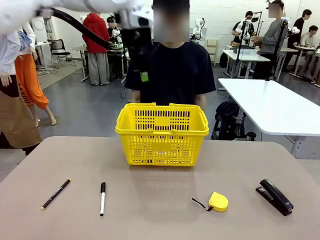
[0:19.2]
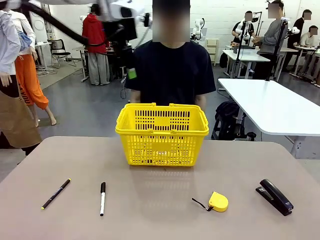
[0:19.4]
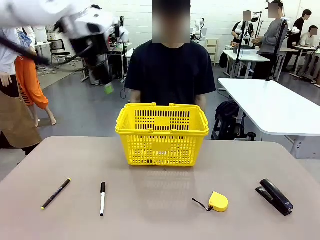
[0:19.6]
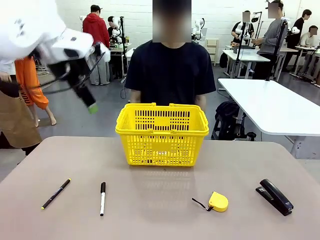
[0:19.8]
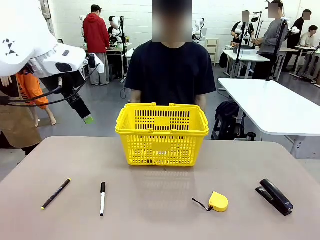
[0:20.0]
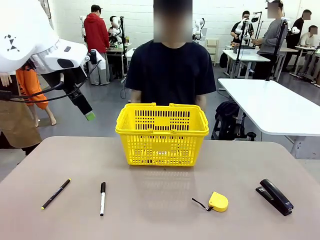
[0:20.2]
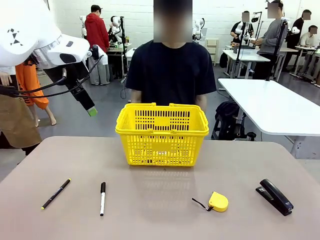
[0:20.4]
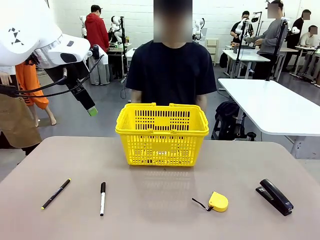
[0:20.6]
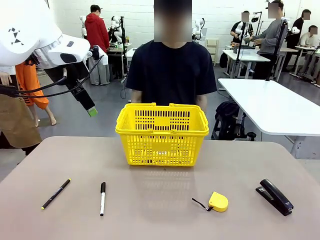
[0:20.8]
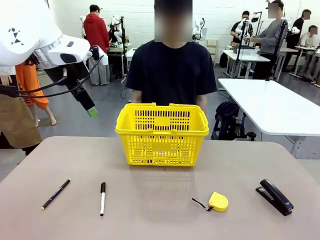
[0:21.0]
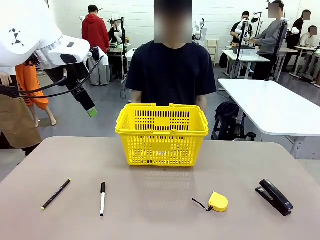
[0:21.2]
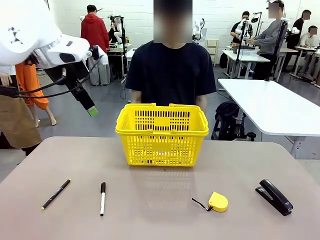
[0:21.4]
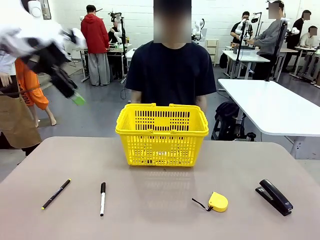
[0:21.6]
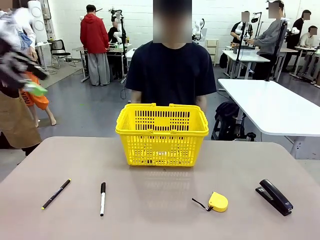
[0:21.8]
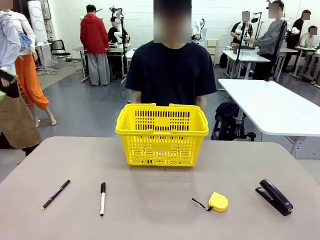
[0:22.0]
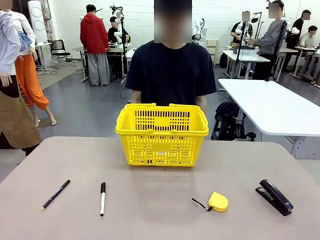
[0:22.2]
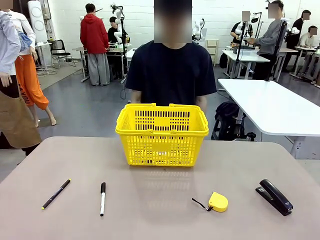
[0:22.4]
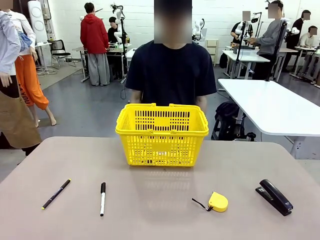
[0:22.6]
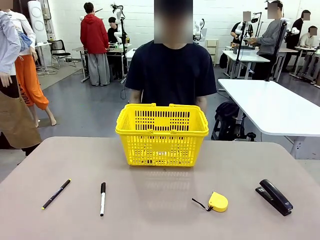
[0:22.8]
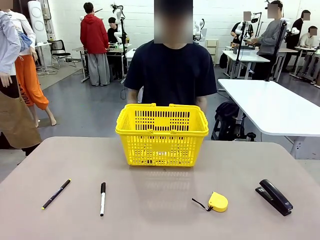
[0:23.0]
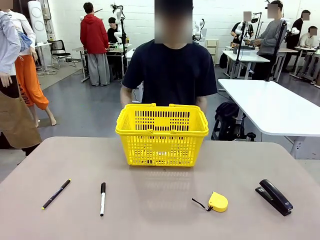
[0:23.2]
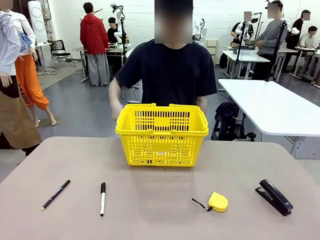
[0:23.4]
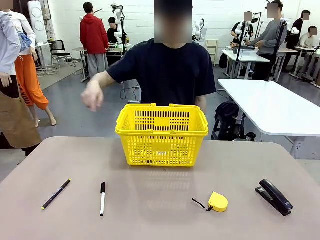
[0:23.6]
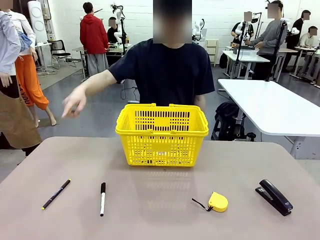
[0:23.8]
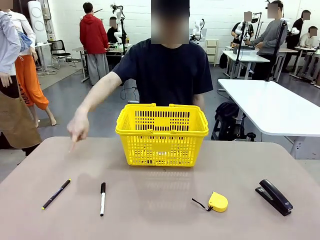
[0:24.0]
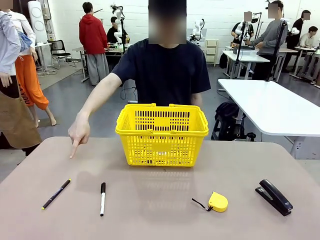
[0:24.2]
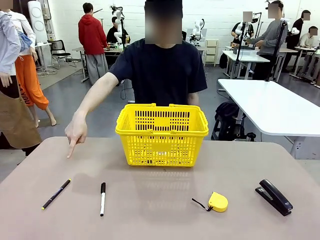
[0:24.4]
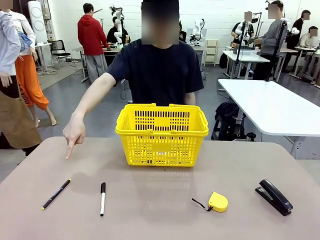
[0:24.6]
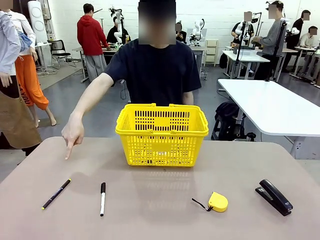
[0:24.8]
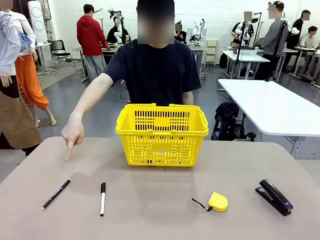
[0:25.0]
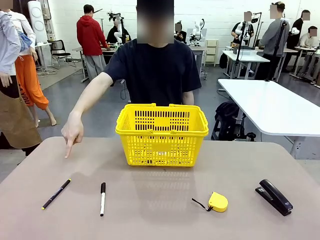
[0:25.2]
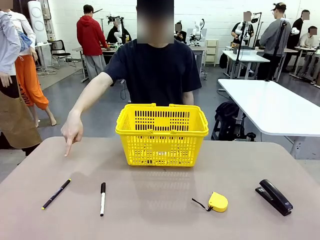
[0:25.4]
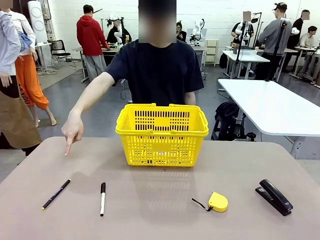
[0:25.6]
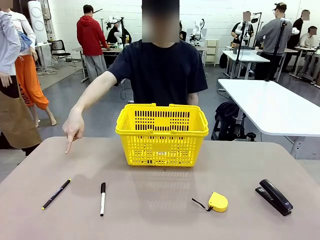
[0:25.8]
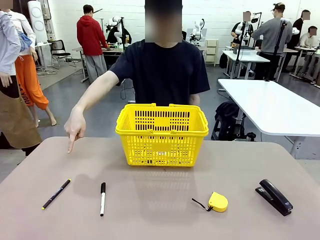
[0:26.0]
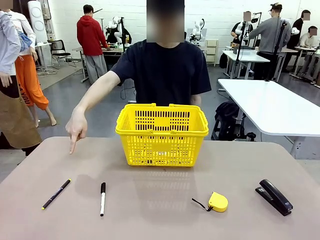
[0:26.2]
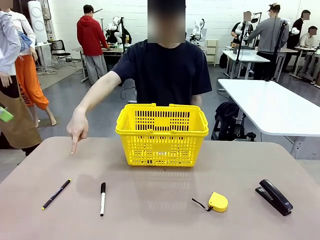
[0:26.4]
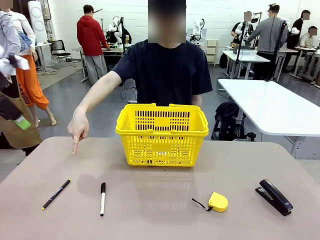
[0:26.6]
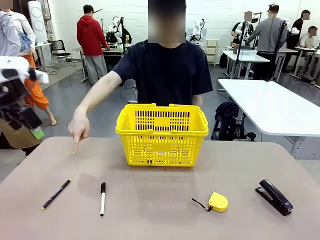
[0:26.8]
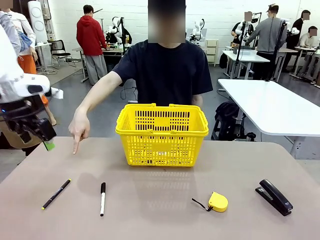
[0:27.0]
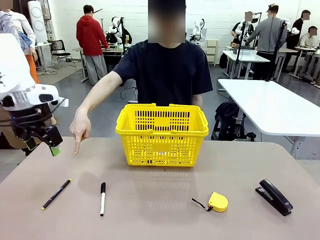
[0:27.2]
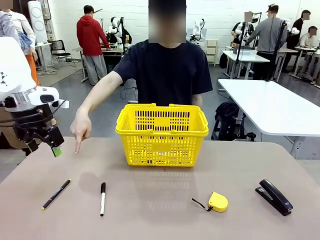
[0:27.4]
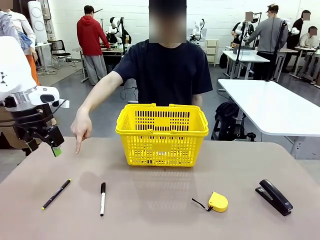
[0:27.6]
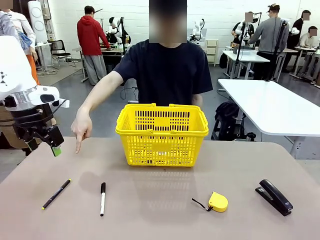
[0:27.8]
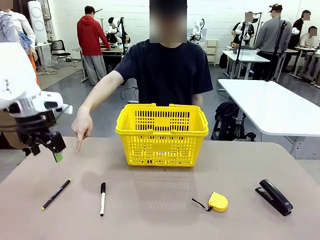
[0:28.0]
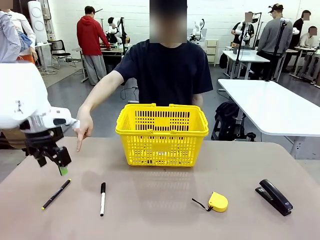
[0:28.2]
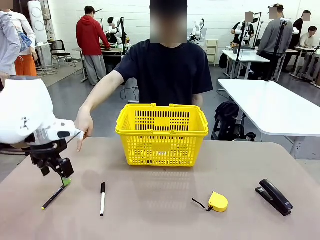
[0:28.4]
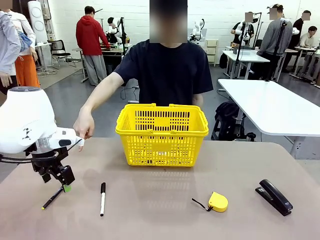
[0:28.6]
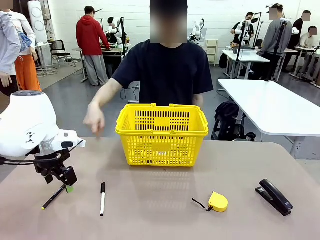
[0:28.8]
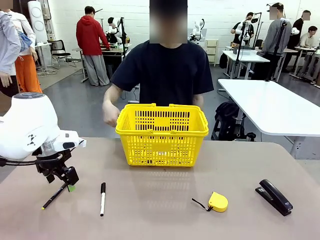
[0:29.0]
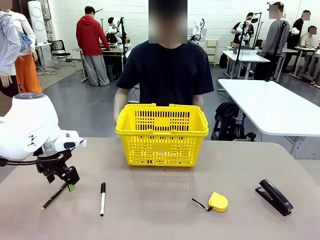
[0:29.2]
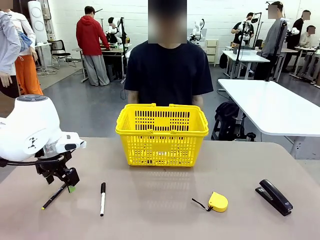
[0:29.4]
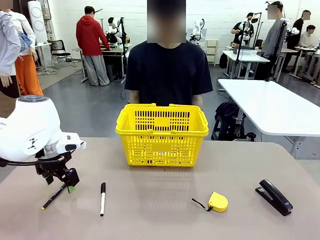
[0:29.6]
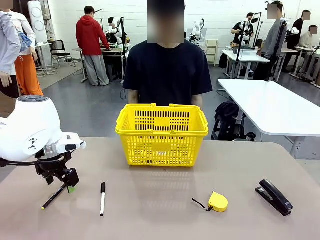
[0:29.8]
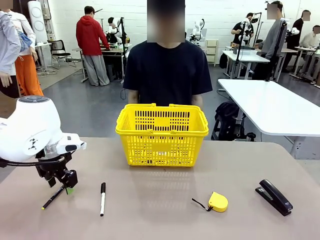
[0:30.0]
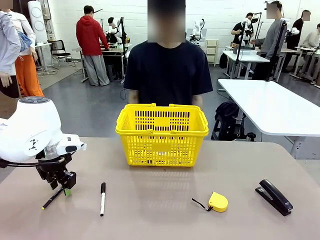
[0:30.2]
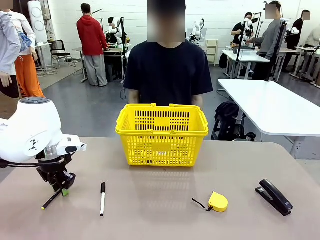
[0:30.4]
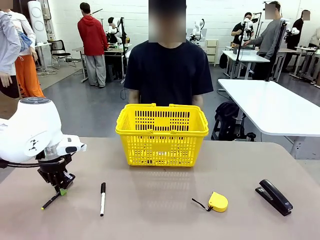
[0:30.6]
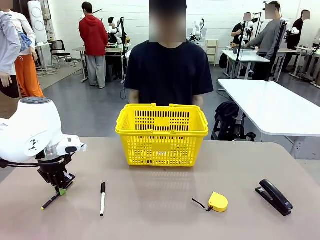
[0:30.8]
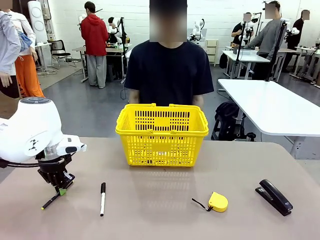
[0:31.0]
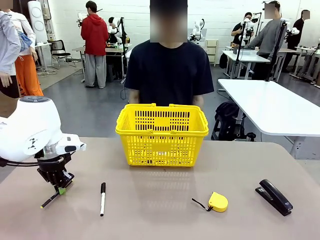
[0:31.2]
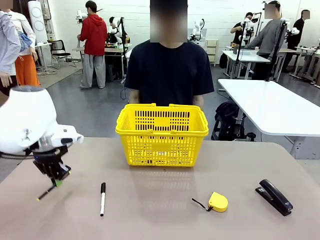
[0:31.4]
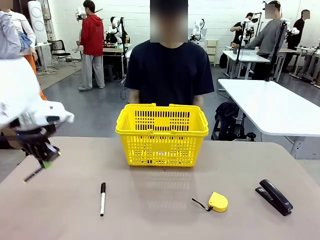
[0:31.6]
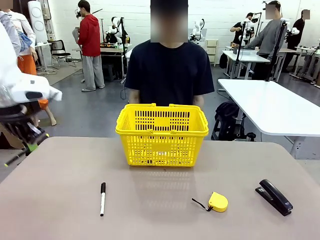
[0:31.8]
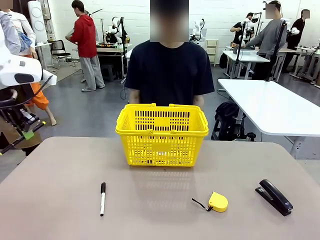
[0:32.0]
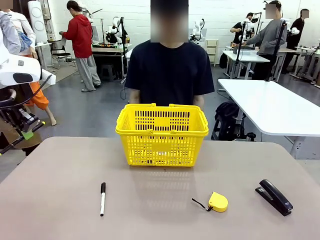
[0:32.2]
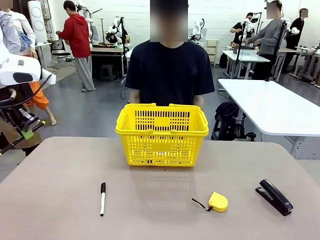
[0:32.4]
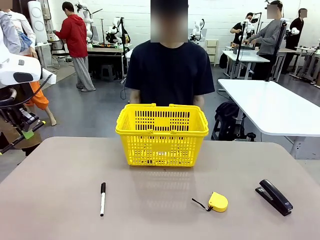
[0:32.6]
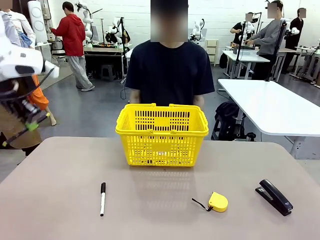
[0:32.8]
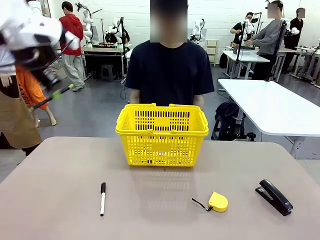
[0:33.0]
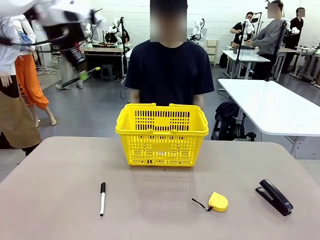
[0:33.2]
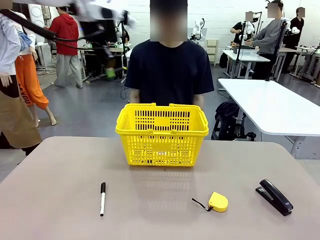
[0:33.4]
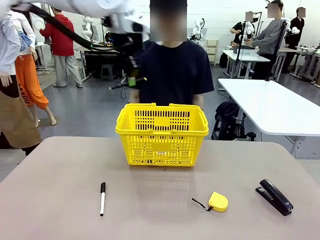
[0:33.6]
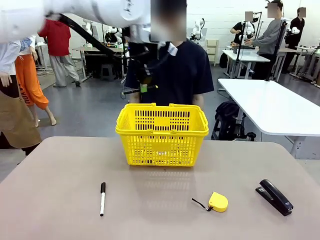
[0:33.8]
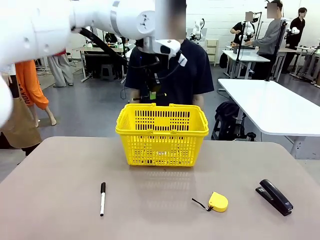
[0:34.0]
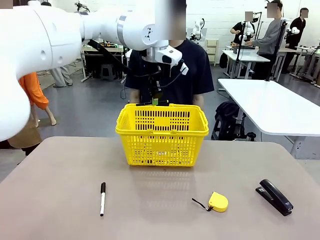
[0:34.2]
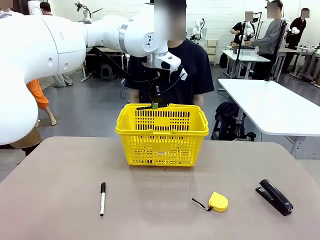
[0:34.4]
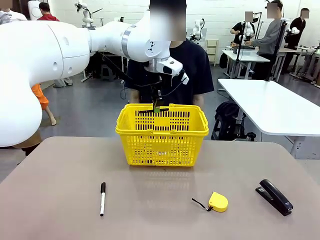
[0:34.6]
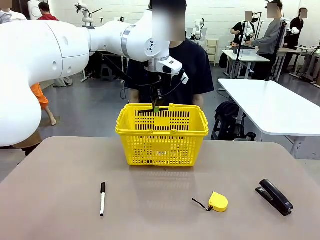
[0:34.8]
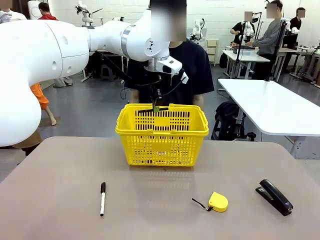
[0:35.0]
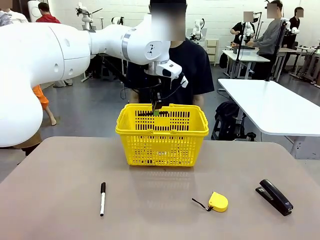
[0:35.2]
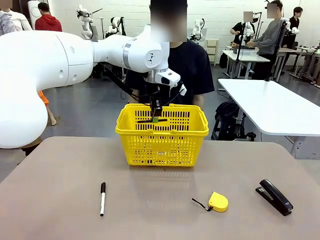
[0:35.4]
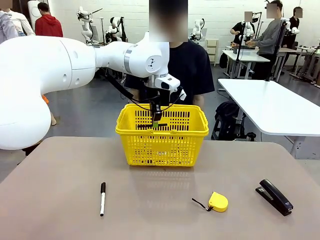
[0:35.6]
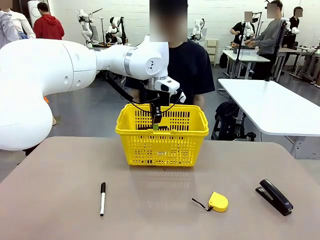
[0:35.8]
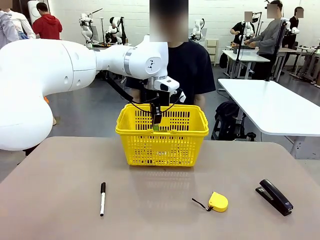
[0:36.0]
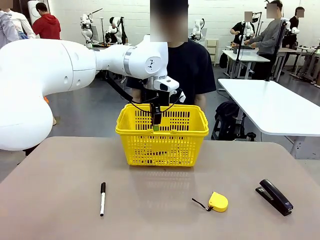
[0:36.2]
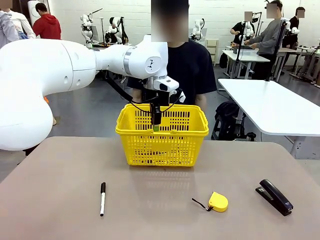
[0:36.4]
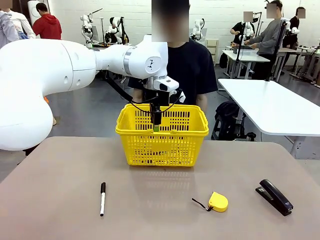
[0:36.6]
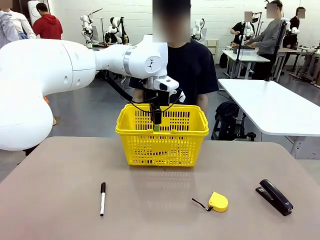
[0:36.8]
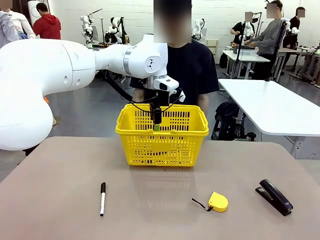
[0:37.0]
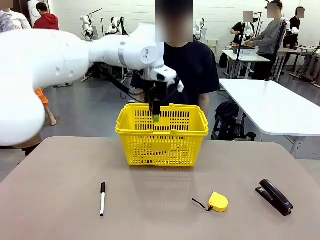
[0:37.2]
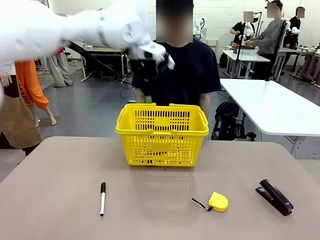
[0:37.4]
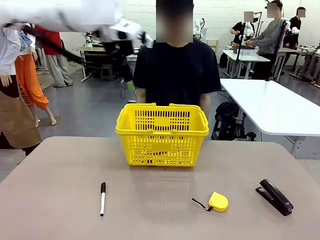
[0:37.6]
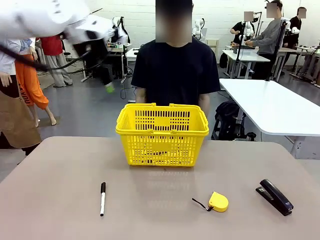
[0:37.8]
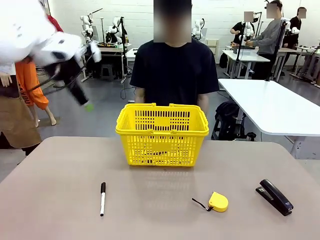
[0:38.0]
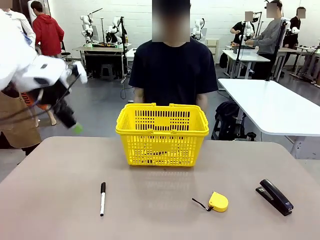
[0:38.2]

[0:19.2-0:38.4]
Task: Place the items the person wants into the basket.
Robot: Pick up the item the person points to and place it in the Market Basket.
